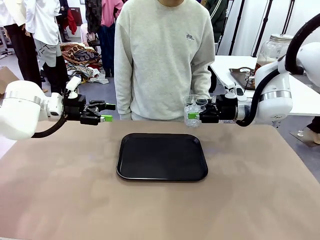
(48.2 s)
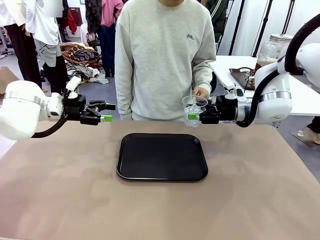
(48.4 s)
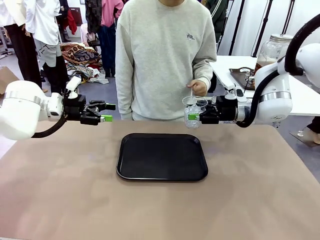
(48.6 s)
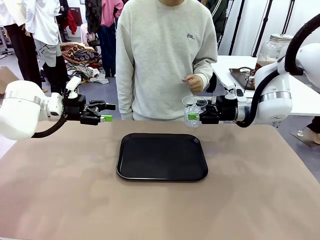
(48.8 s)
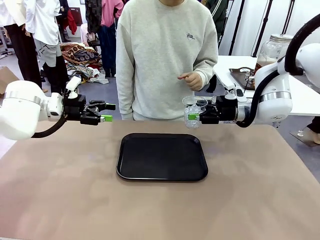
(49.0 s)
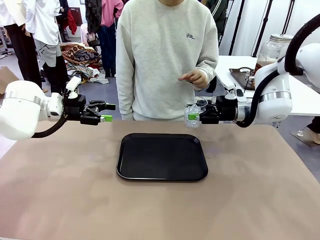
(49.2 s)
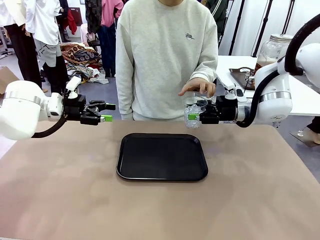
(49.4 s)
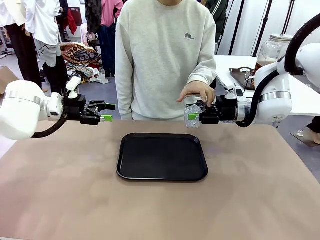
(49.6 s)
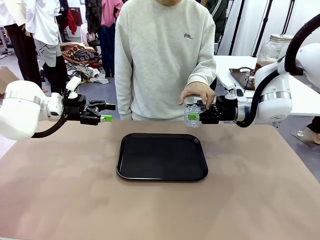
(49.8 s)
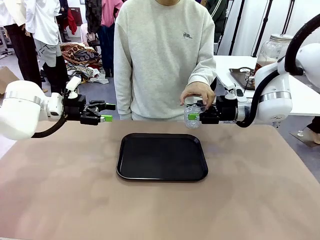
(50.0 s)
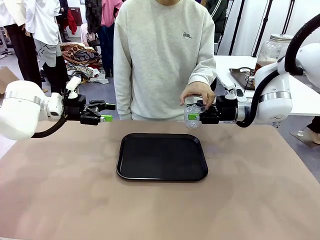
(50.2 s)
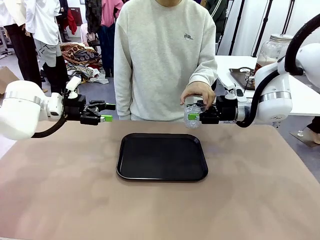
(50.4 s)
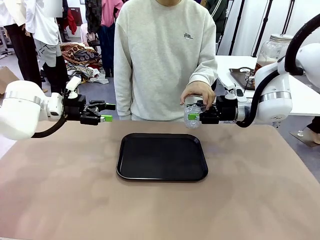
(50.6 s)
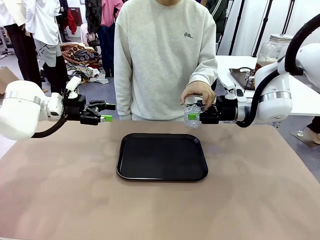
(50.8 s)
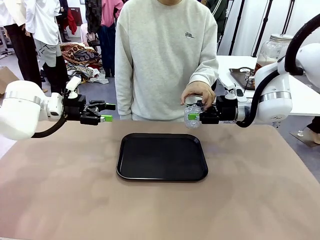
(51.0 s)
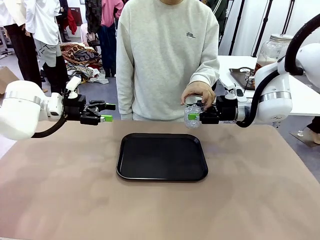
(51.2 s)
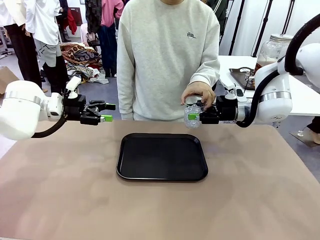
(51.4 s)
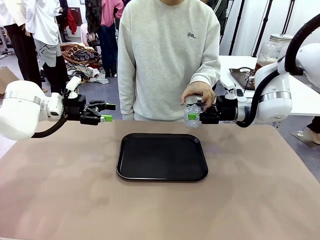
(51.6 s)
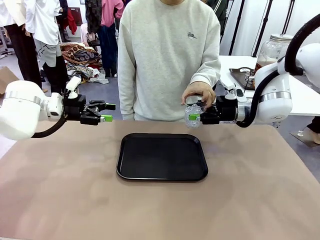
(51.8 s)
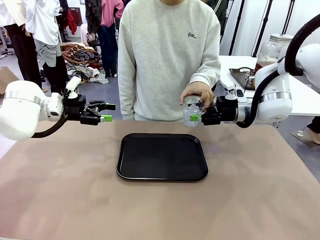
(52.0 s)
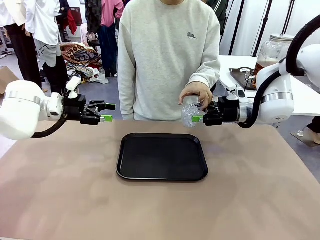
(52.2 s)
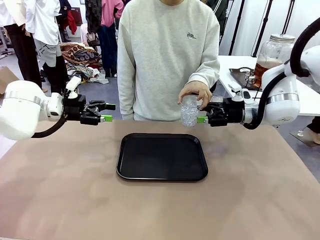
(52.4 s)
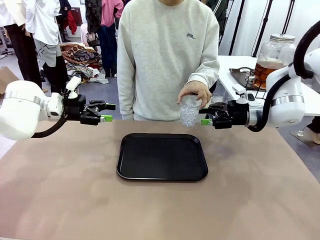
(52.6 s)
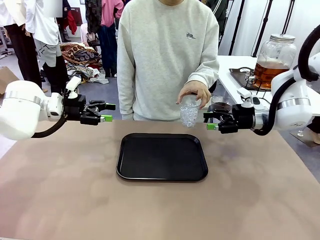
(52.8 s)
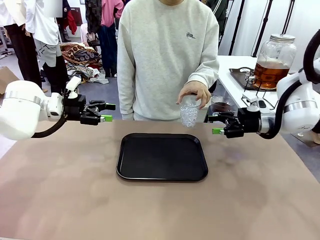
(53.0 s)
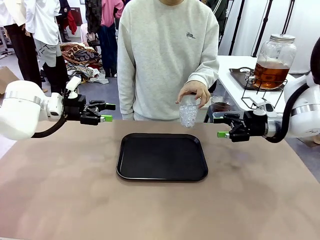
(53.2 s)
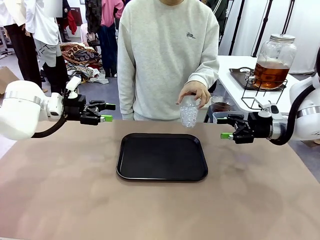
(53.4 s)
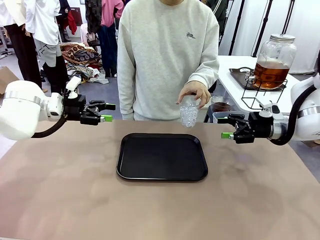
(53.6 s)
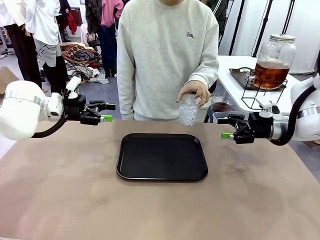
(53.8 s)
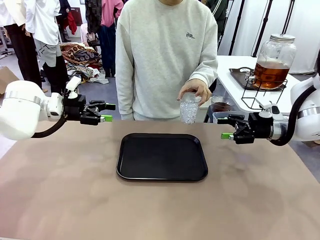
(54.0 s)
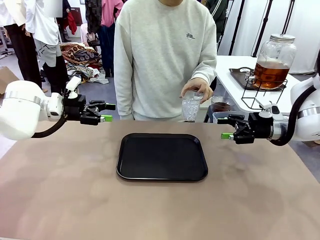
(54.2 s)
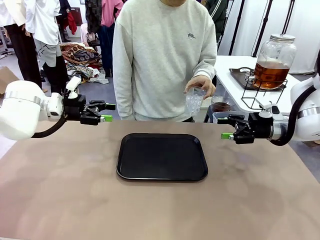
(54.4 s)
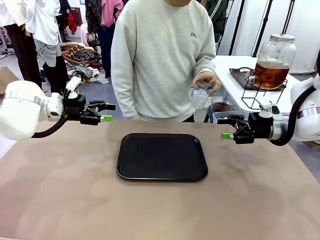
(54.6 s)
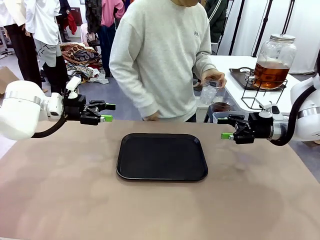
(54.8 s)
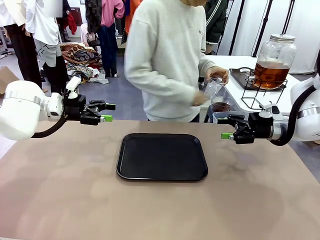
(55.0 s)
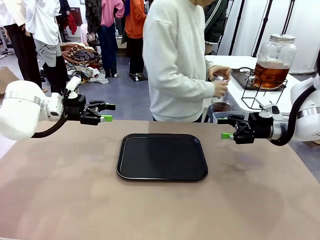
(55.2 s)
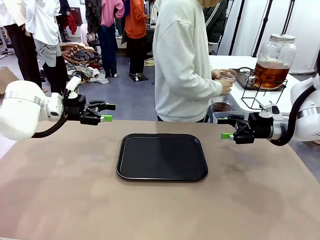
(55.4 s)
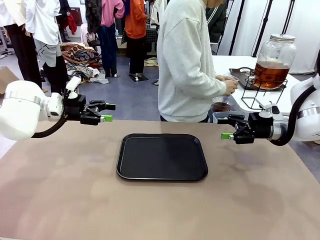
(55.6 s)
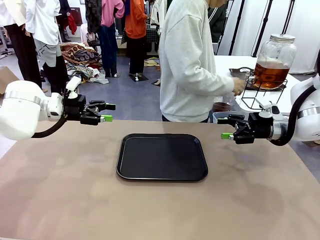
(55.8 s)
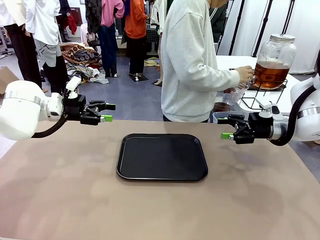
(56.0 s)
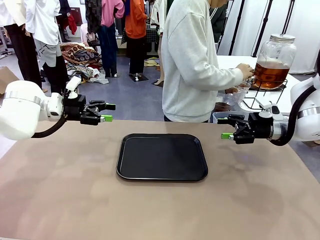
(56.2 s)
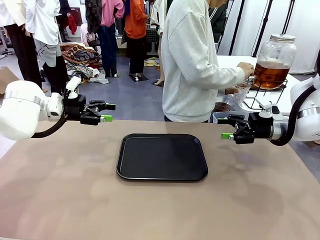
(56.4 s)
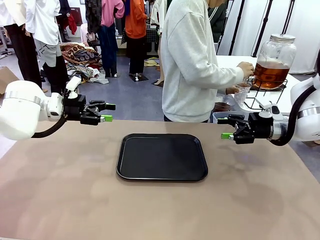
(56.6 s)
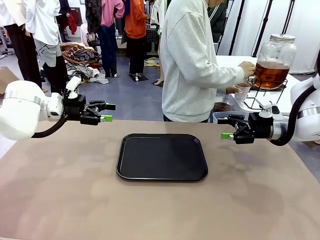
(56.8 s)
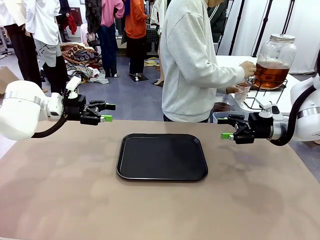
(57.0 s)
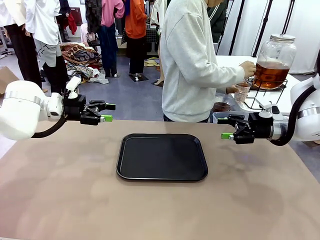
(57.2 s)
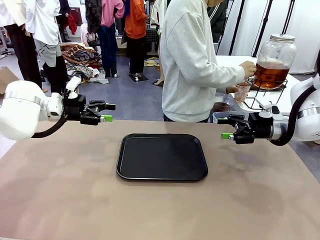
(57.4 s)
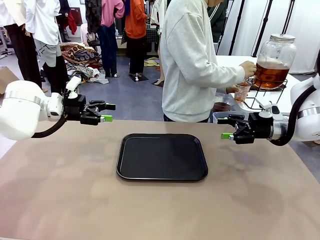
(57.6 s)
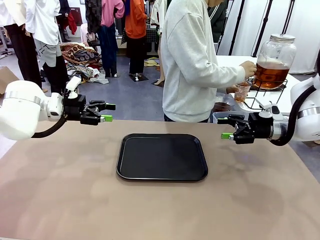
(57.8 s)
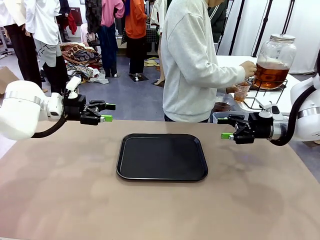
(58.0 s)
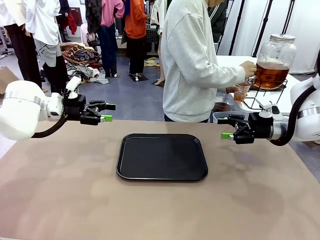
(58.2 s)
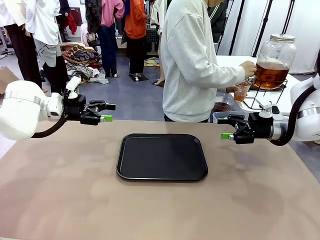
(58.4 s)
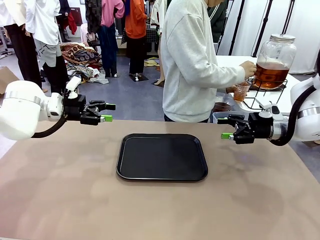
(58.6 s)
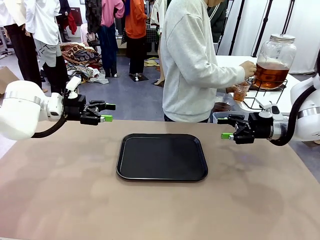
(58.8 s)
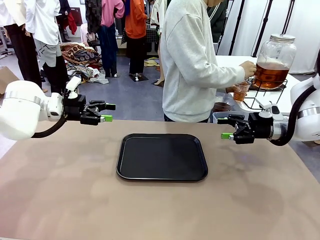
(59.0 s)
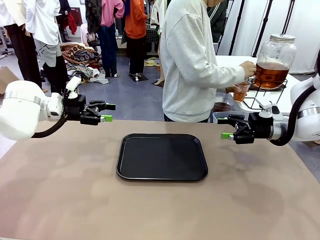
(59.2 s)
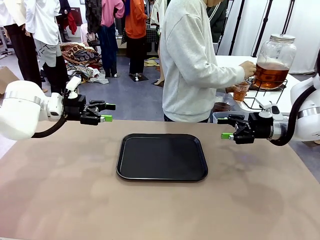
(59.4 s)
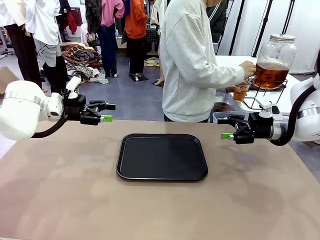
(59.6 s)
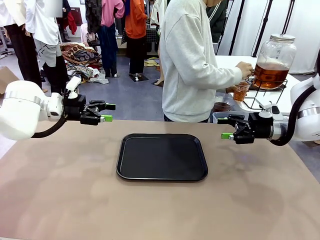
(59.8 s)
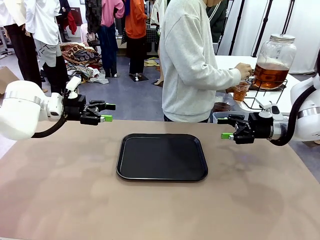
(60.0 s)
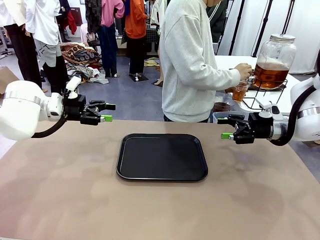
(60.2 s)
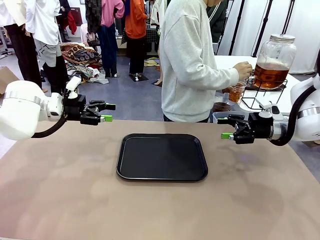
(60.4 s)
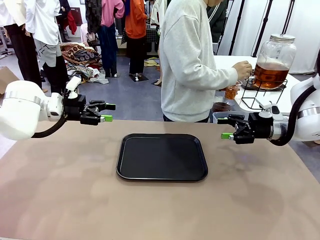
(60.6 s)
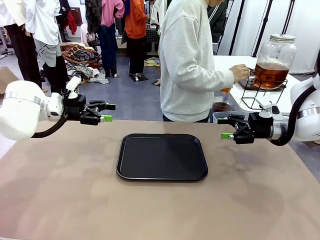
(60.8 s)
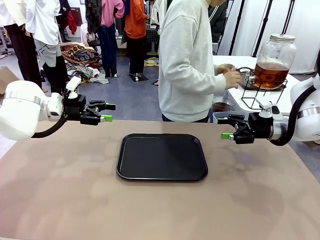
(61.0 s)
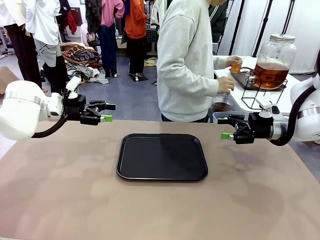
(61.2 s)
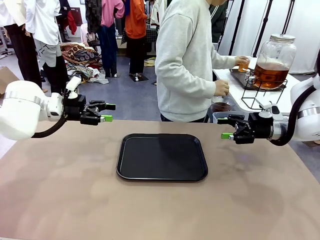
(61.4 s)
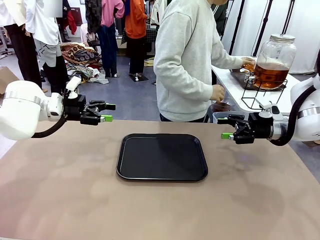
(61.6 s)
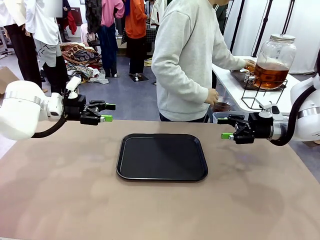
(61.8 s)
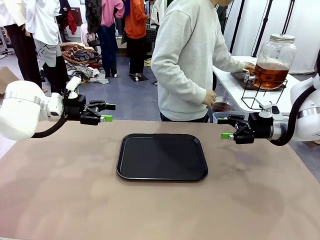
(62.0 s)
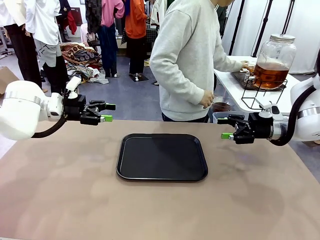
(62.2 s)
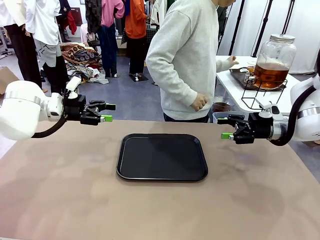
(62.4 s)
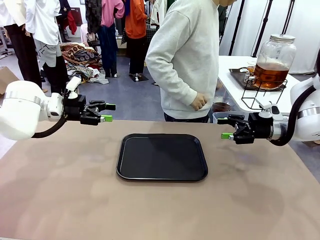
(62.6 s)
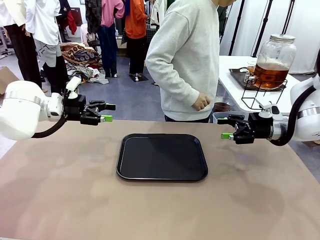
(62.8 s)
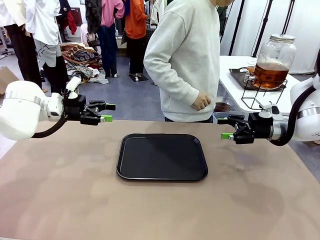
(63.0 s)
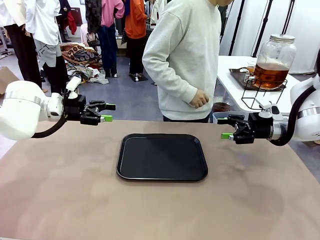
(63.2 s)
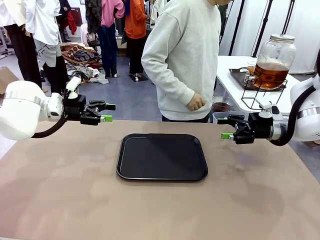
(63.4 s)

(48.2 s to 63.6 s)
Task: Pour the drink into the iced cup.
Robot: Open the gripper to release the iced cup you were holding.
Person: Move the picked-up cup under the dispenser faucet, pour the drink, and place it on the tray on the human table.

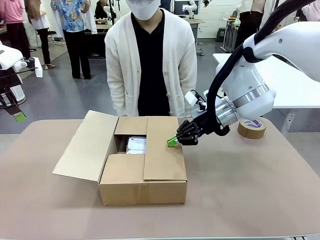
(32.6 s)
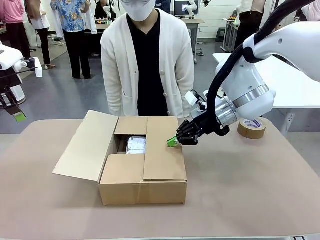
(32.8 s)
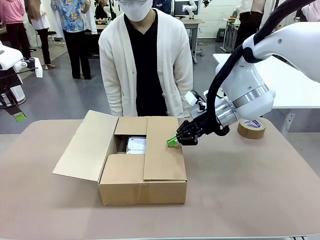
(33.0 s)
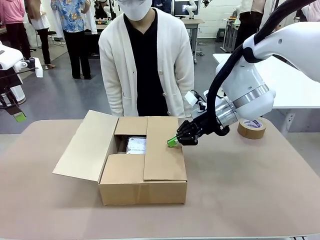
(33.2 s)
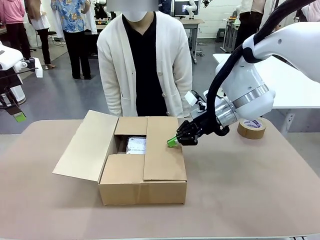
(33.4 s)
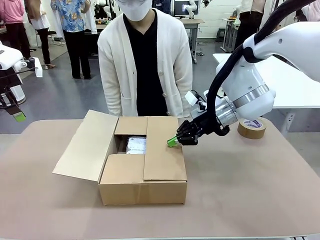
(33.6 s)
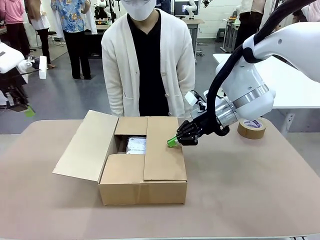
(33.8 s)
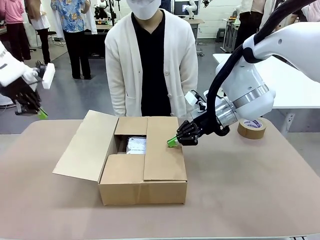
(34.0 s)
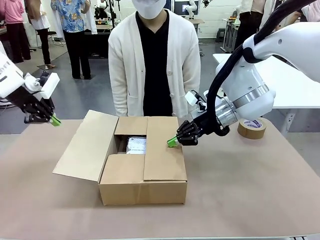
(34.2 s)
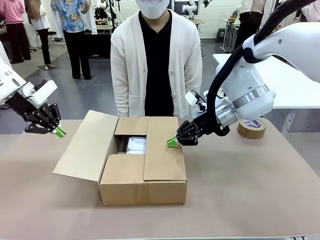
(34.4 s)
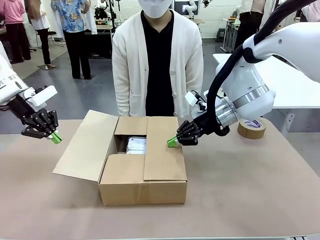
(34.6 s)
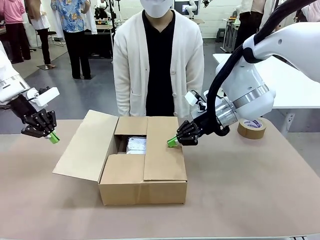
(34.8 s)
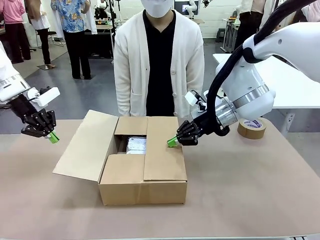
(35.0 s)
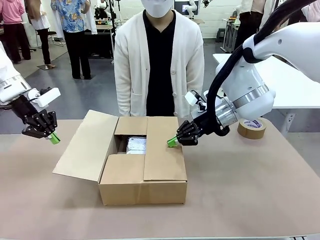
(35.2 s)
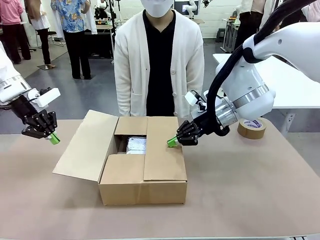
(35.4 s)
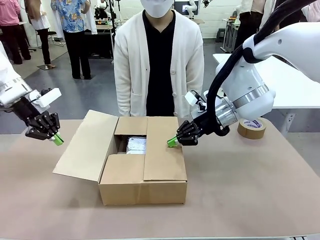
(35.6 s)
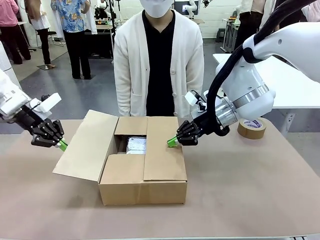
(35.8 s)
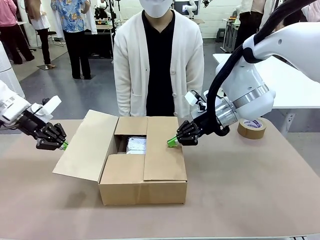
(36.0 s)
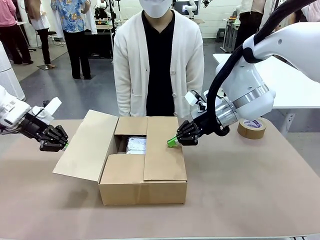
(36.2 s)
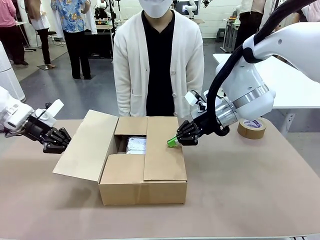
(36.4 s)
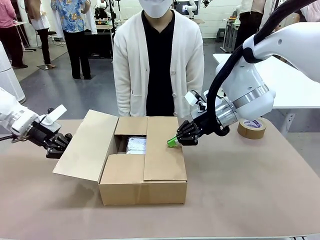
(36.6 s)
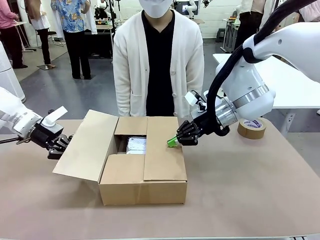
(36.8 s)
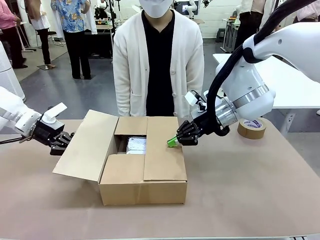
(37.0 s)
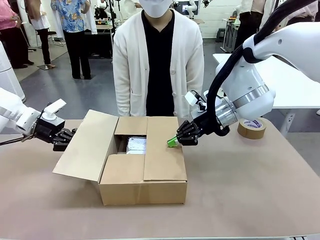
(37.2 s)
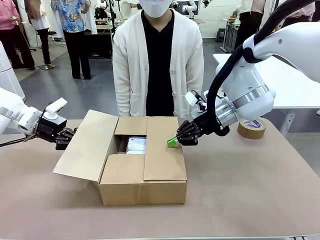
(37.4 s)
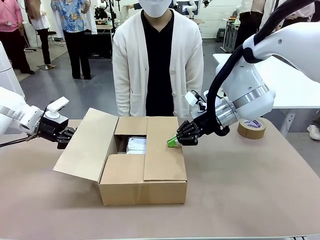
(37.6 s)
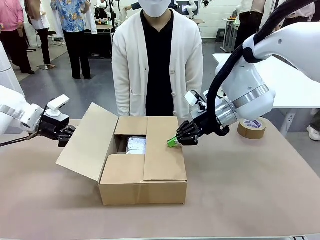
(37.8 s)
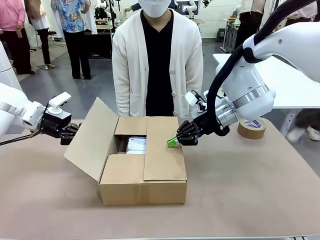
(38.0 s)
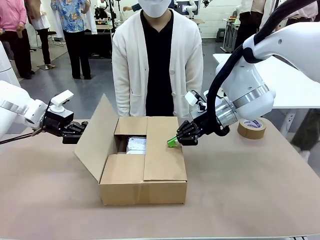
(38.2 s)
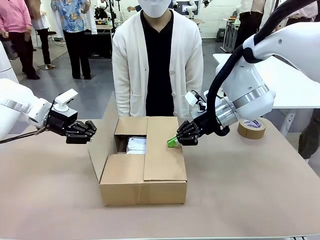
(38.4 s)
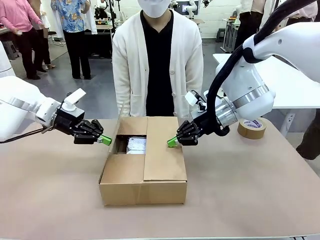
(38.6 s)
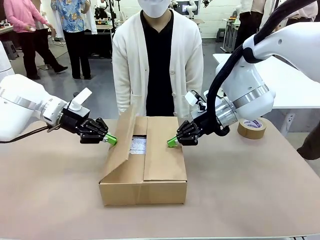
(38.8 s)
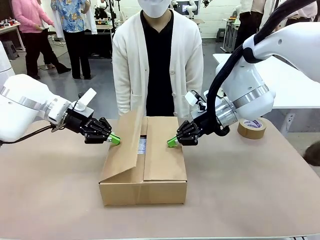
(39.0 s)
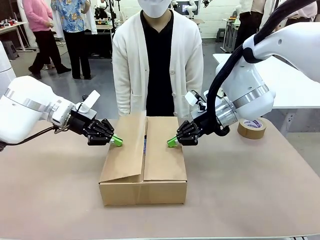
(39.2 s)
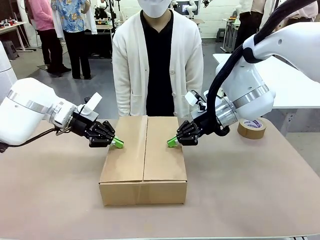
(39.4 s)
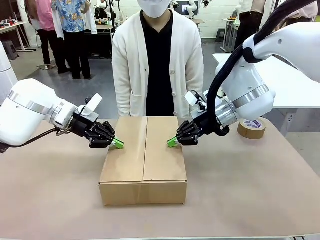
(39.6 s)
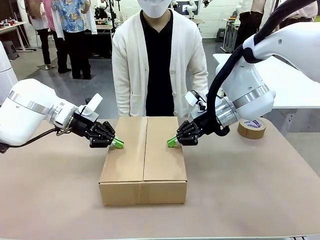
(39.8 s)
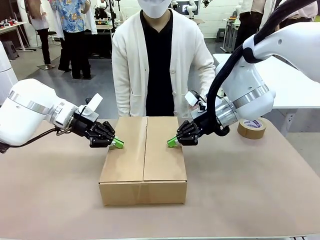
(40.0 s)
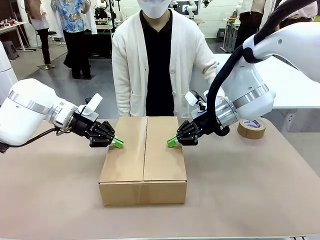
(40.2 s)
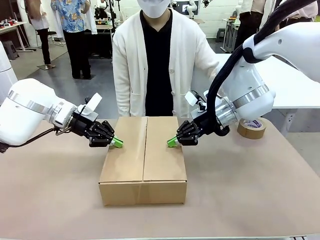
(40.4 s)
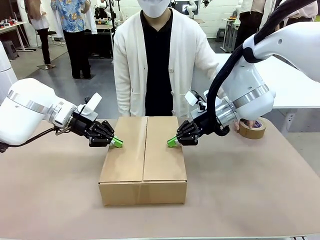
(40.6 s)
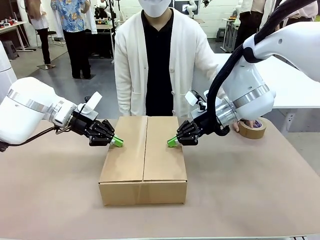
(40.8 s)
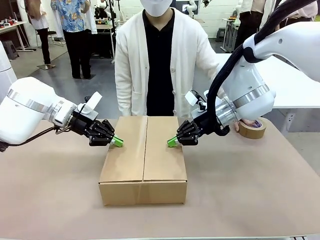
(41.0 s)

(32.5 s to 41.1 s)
Task: Wrap the clocks to prevent damage.
Robot: Push the left (or right) flap of the Package Box to close it.
